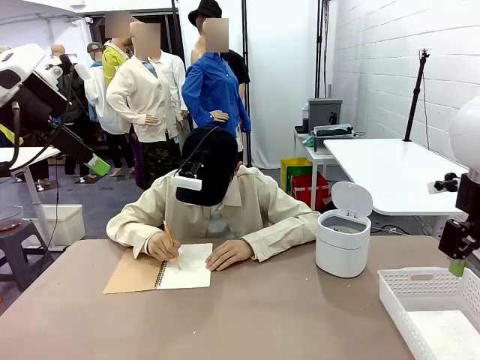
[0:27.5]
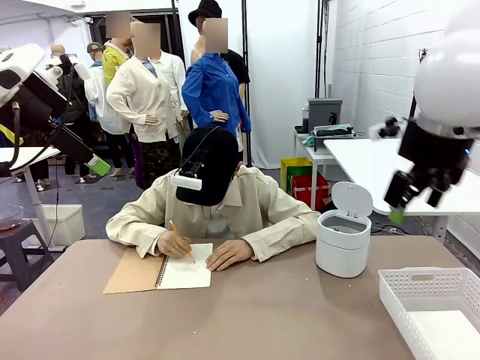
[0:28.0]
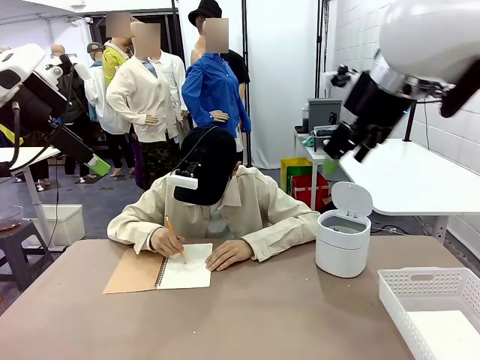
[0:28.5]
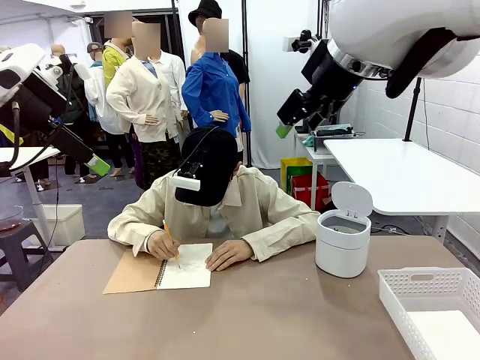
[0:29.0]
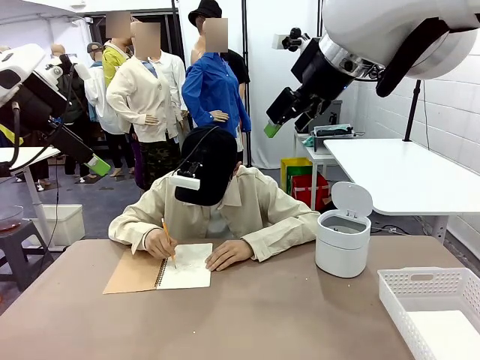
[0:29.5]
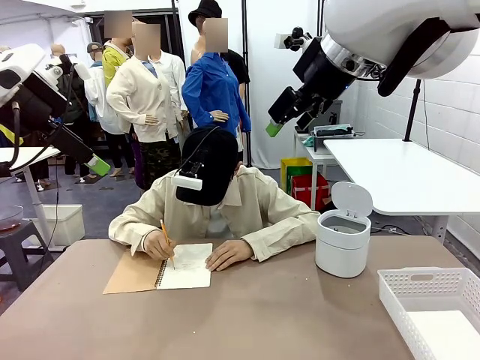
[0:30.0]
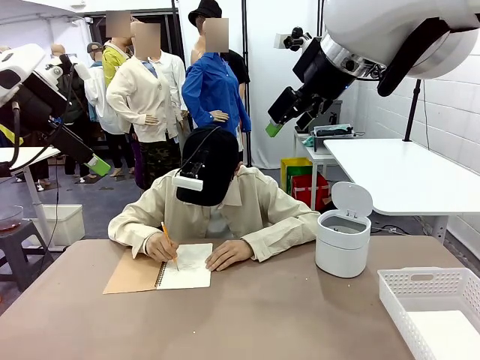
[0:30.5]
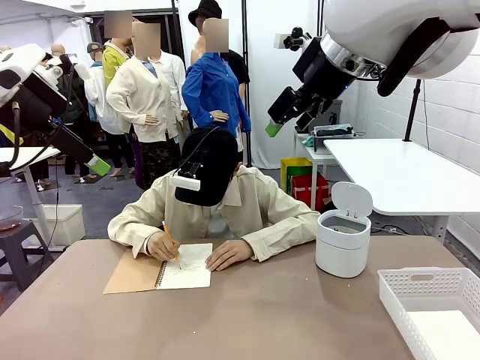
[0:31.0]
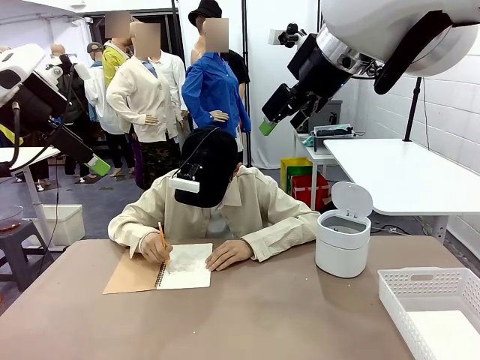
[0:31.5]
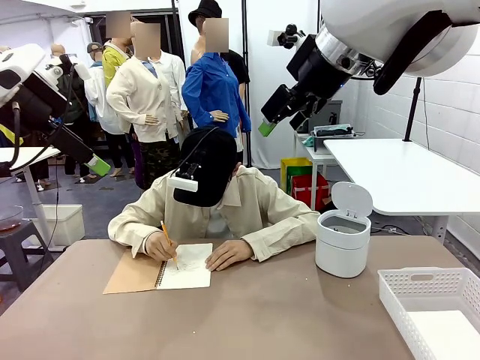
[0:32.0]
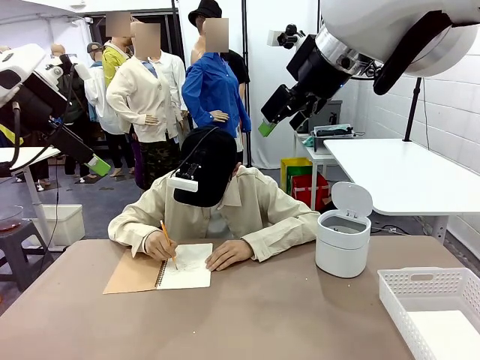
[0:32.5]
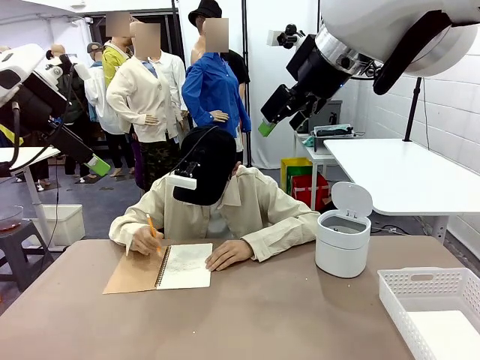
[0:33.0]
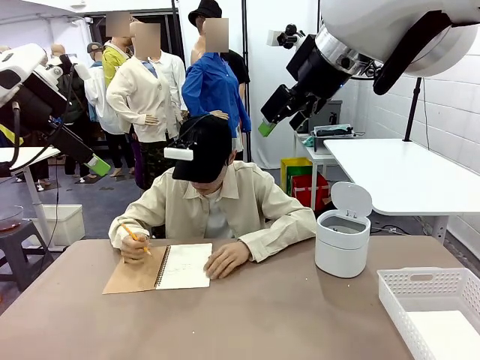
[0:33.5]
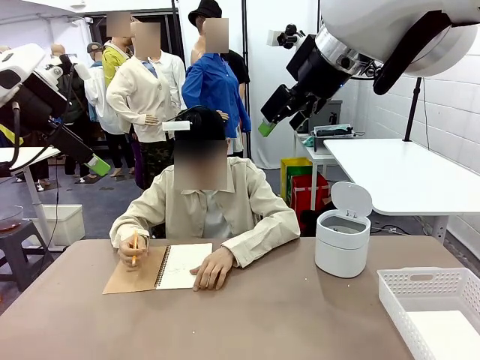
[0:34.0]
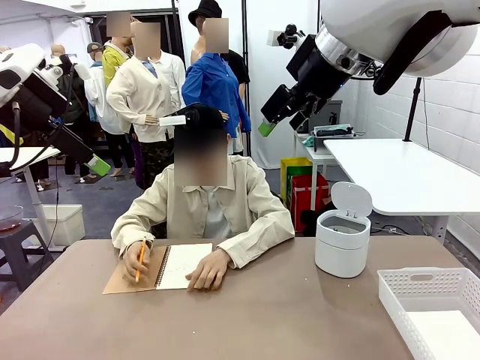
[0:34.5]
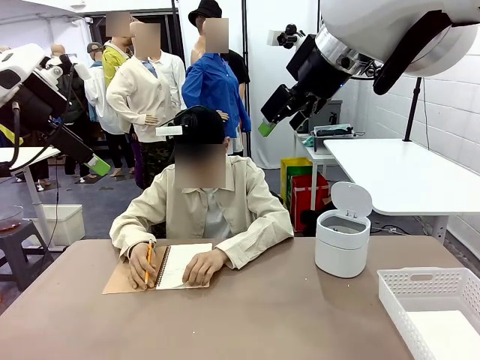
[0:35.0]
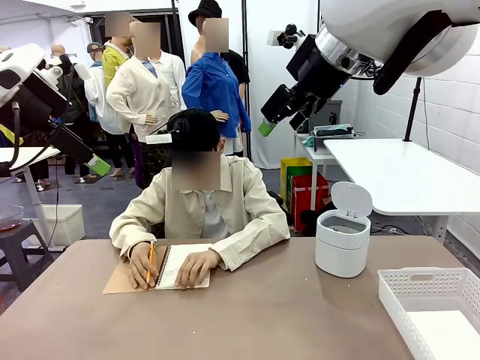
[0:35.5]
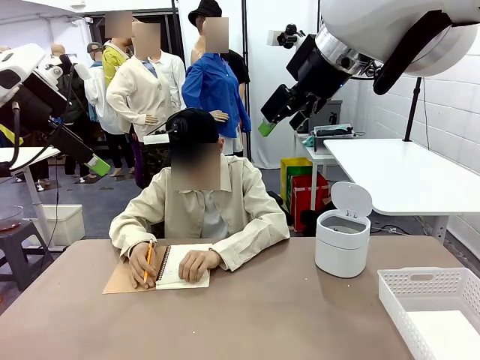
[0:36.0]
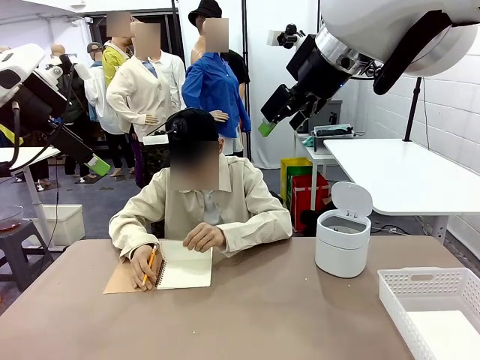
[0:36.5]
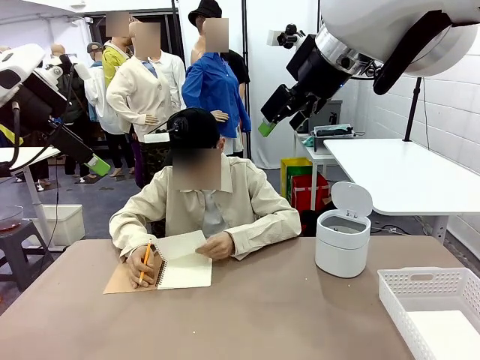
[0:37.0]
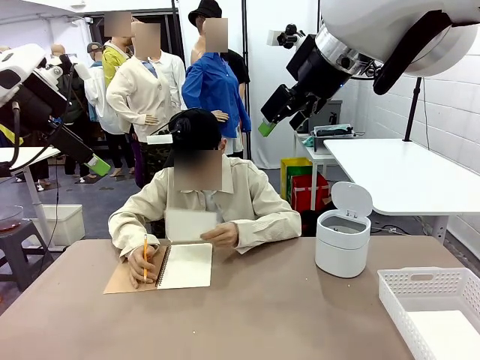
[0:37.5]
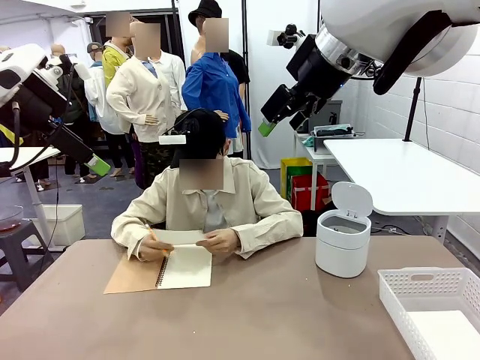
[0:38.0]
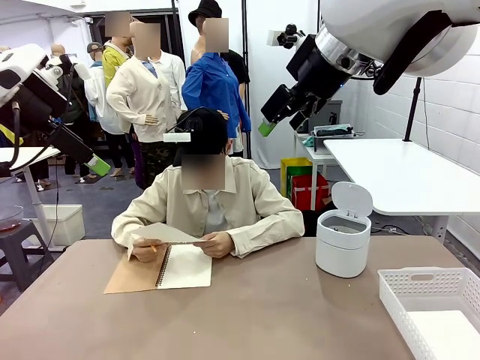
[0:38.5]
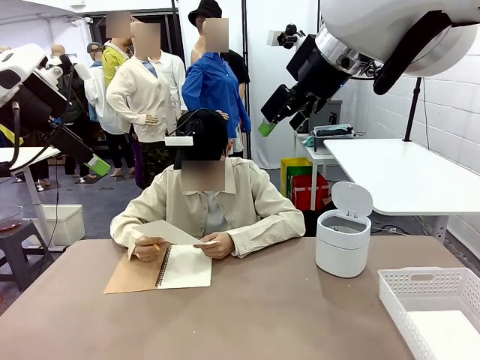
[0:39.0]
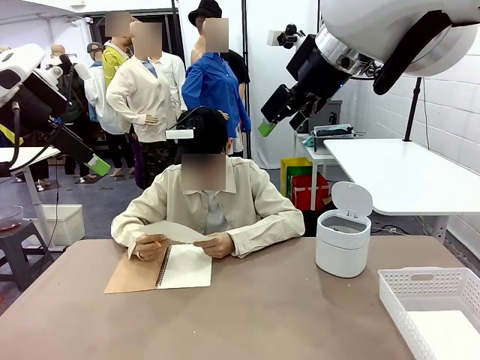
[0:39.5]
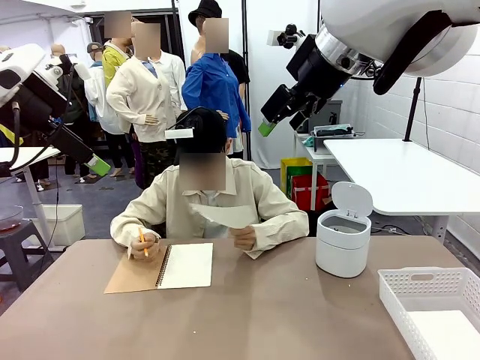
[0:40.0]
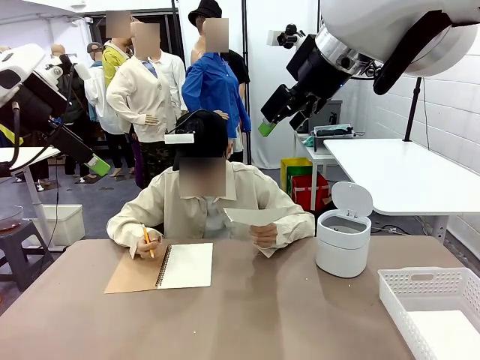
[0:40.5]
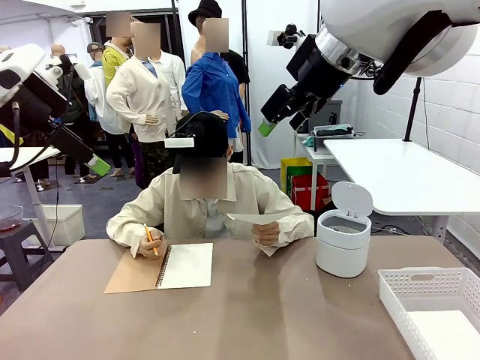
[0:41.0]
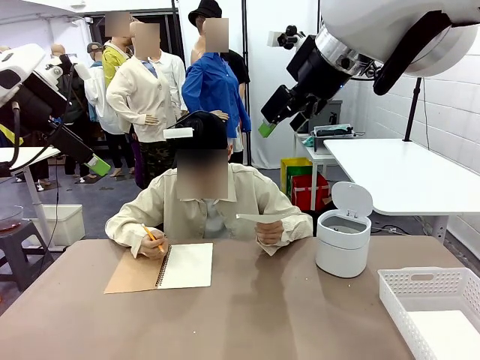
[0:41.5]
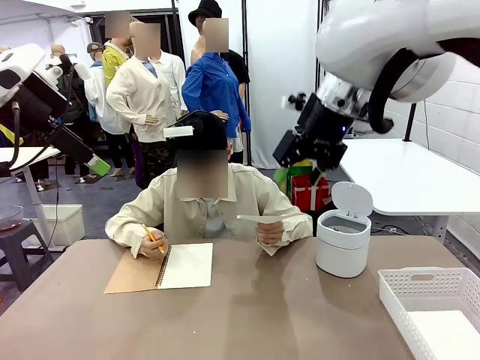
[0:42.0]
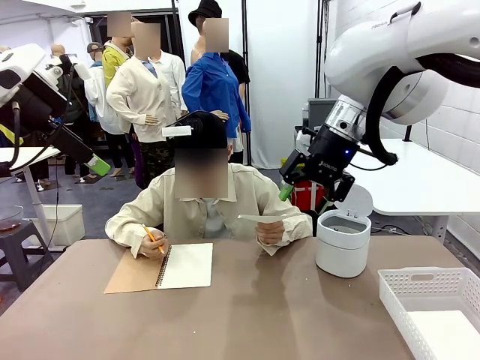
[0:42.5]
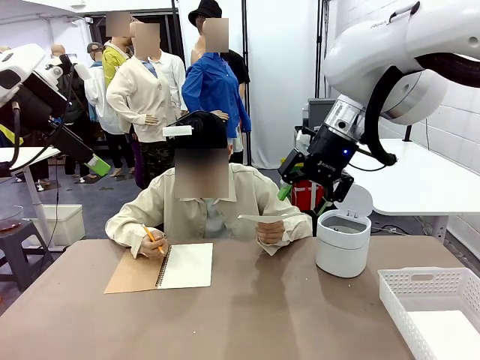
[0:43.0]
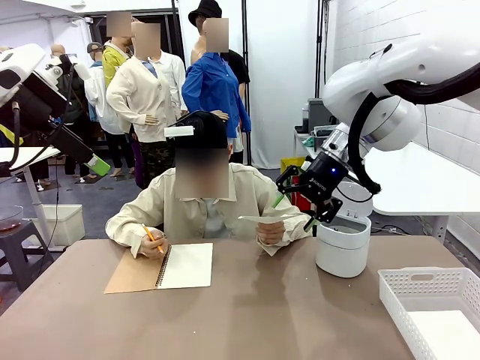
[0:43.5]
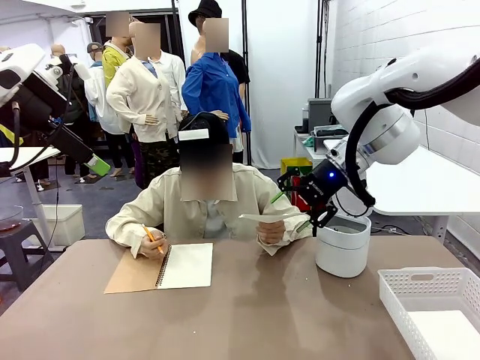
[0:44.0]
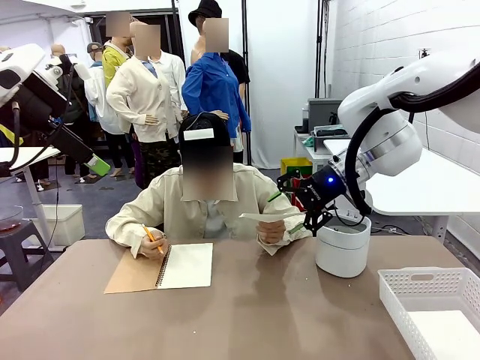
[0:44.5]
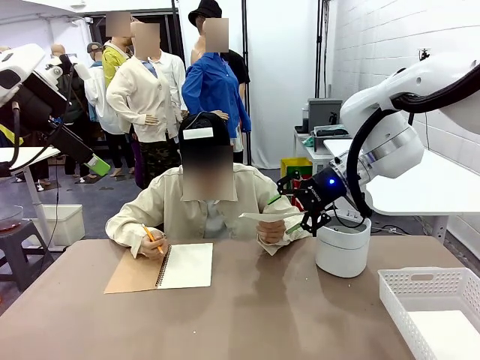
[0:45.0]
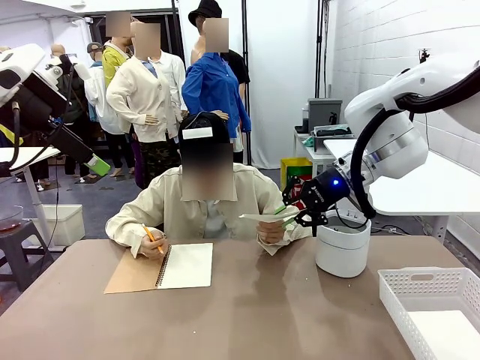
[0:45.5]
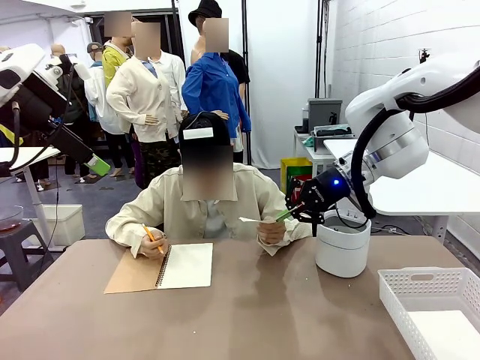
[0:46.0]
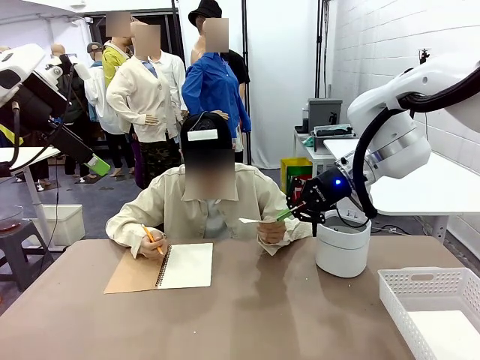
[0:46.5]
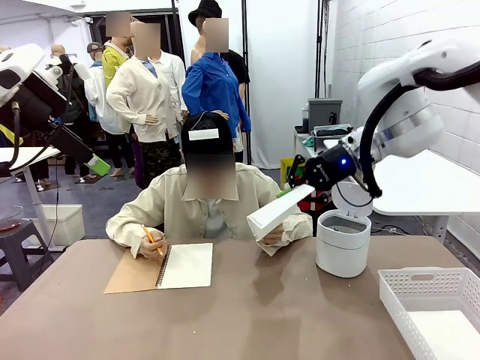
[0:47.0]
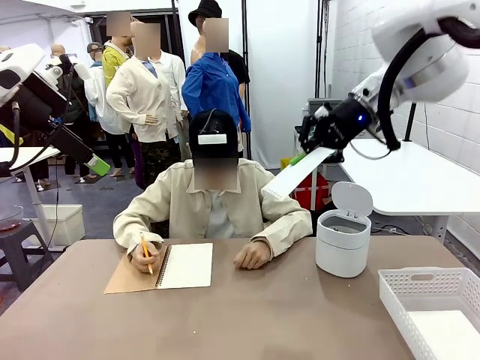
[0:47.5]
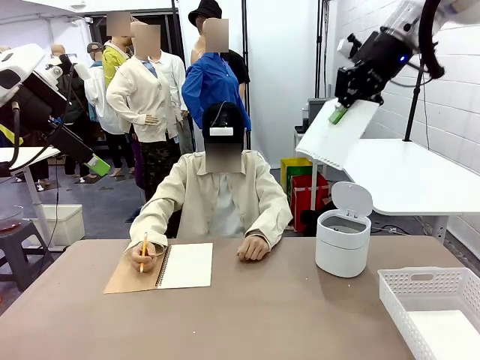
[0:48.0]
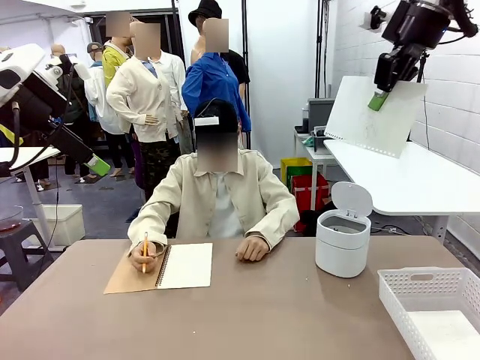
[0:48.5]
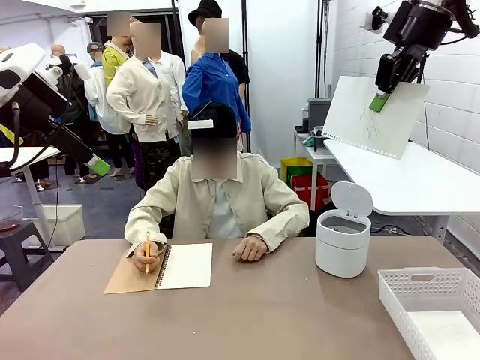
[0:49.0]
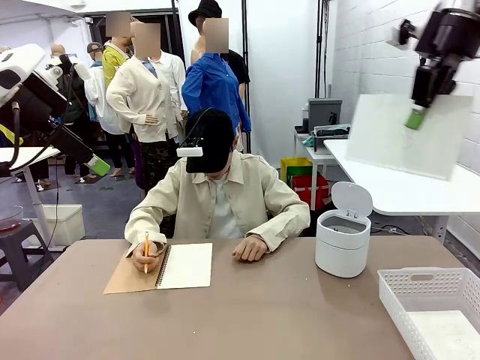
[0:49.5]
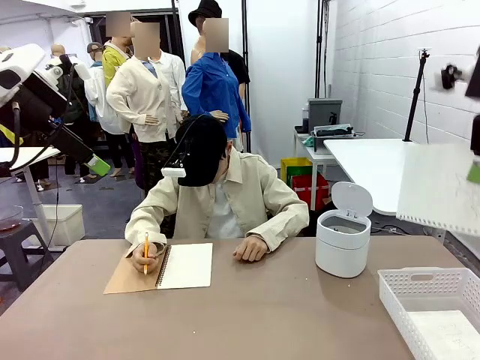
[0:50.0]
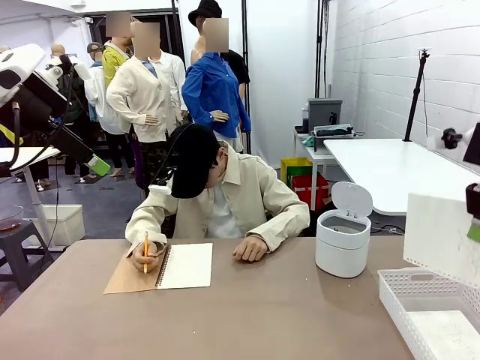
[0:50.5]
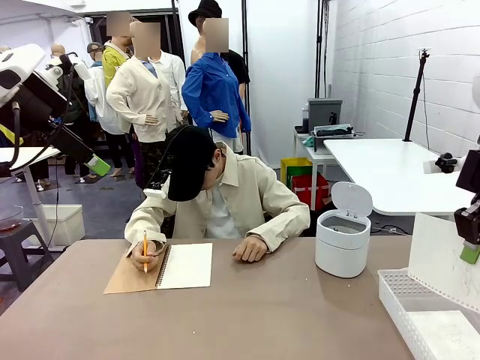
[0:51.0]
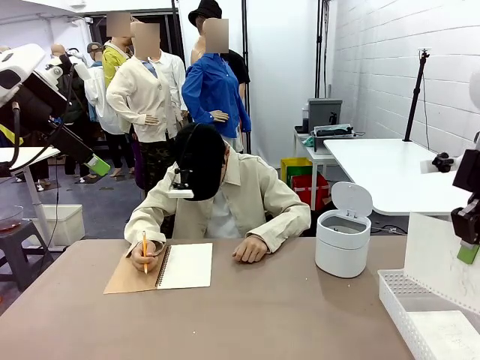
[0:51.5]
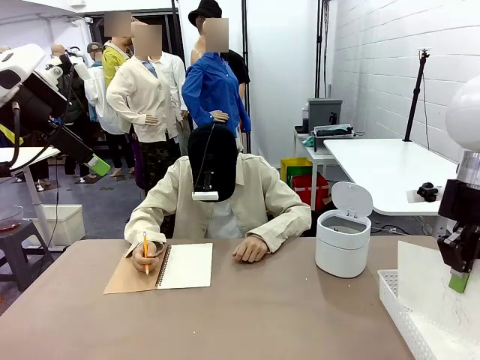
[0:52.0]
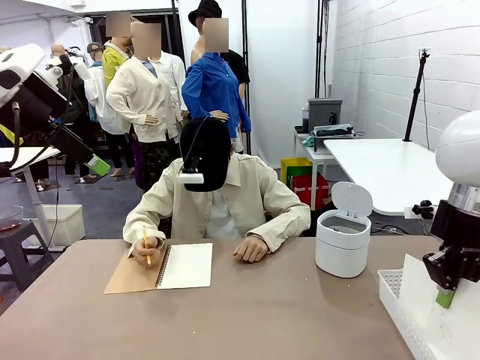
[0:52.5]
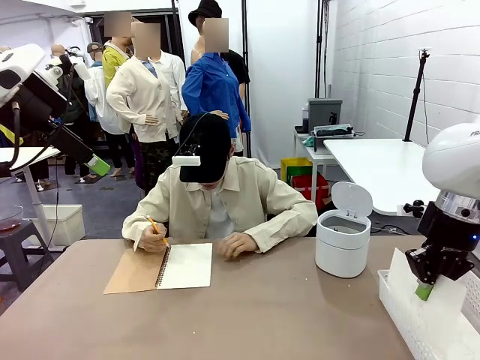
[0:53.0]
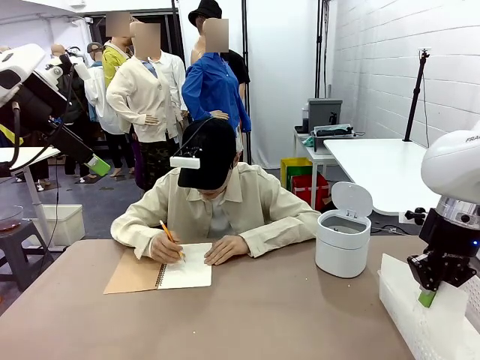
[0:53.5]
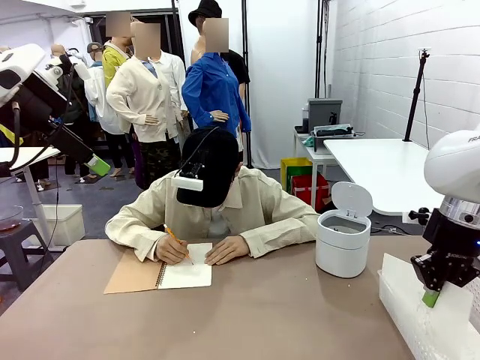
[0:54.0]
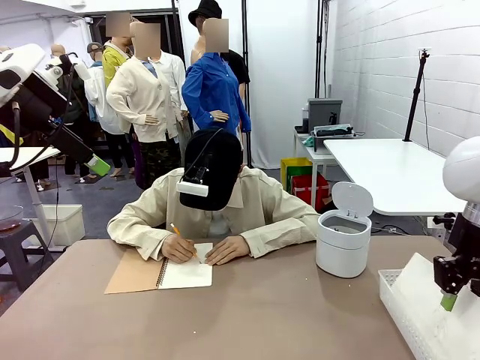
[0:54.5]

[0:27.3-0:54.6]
Task: Sort the paper based on its condition.
Robot: If a person hands you a paper, place it in the Organizing basket , and if it's crumpled, put it in the Trash can.
Person: Hand the torn page to the robot or crumple it and throw it to the center of the table. Tear out a page from the spiral notebook.
